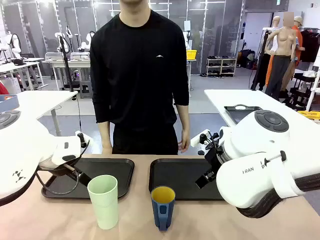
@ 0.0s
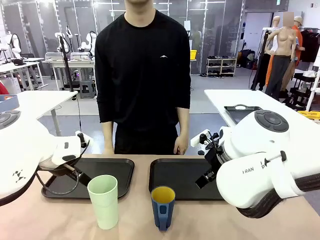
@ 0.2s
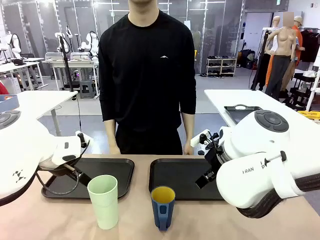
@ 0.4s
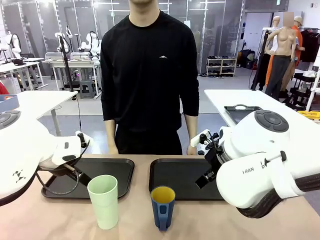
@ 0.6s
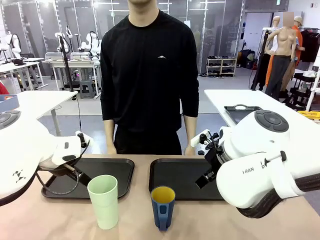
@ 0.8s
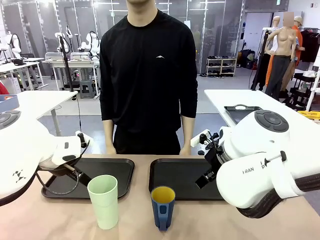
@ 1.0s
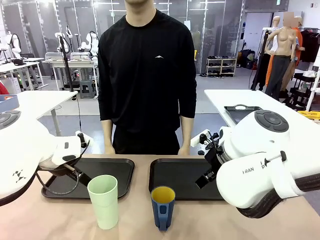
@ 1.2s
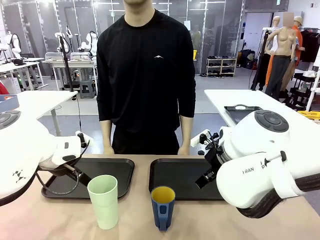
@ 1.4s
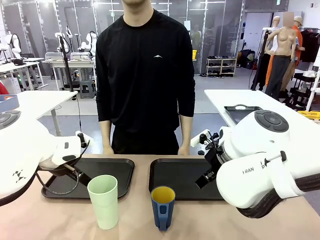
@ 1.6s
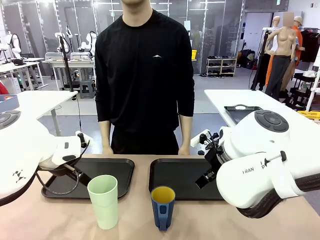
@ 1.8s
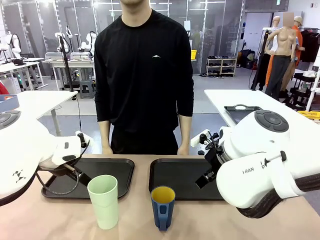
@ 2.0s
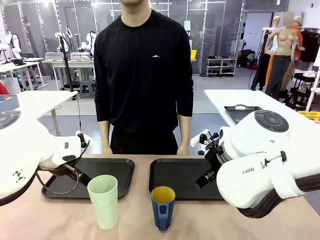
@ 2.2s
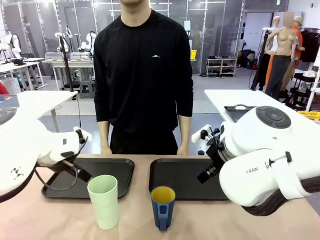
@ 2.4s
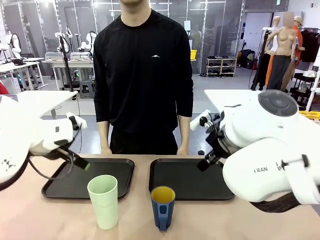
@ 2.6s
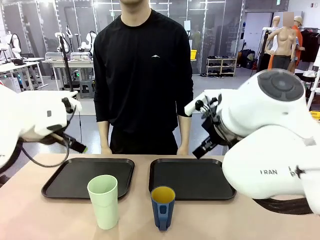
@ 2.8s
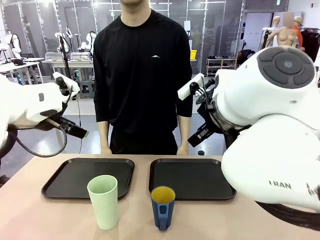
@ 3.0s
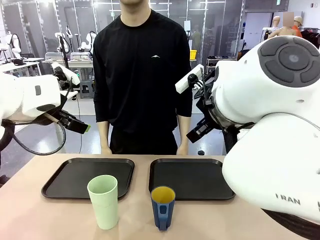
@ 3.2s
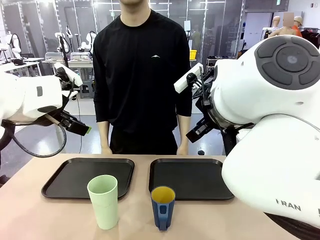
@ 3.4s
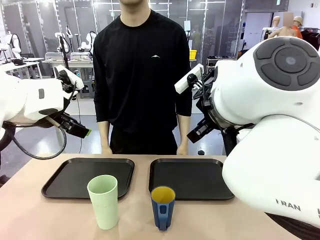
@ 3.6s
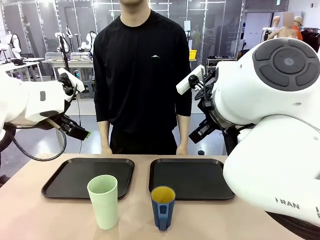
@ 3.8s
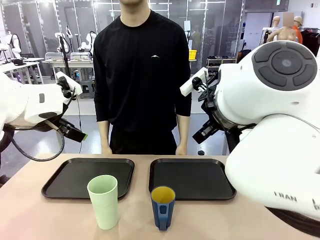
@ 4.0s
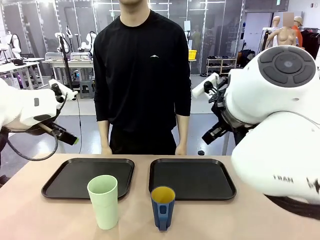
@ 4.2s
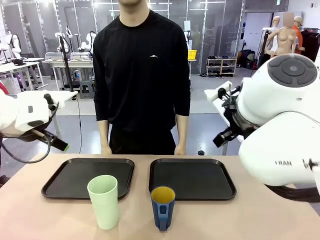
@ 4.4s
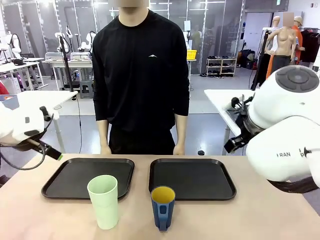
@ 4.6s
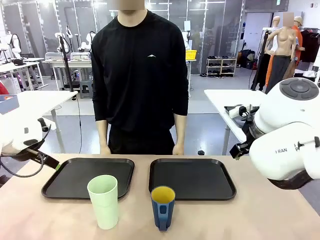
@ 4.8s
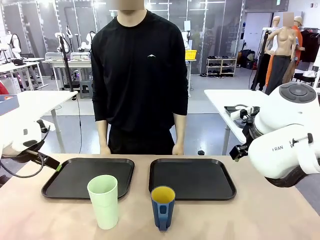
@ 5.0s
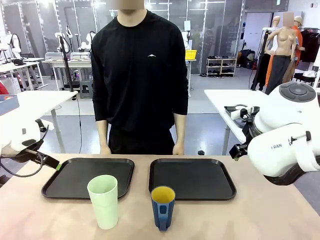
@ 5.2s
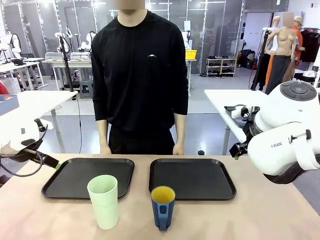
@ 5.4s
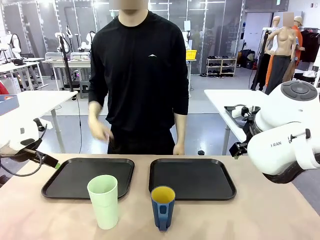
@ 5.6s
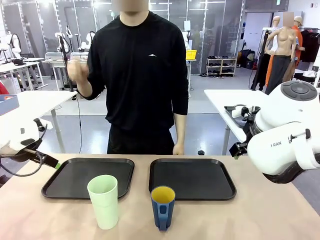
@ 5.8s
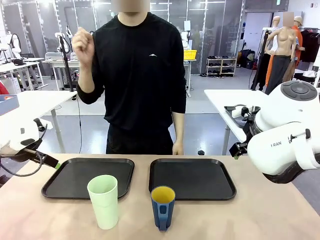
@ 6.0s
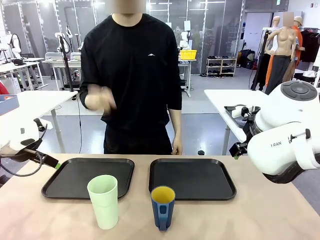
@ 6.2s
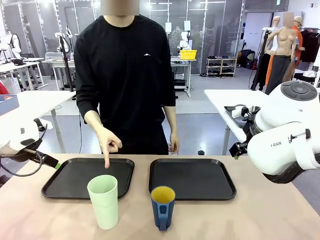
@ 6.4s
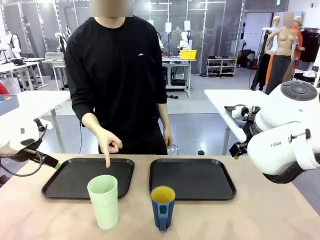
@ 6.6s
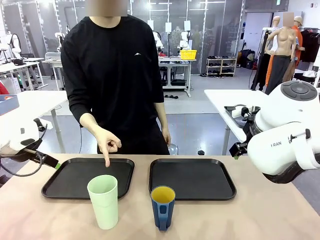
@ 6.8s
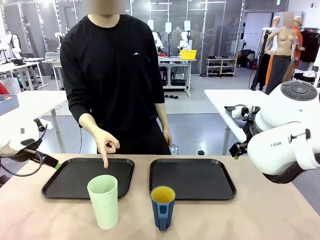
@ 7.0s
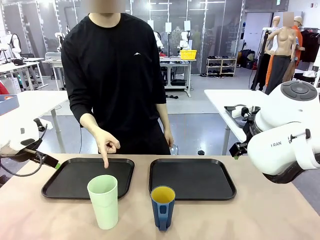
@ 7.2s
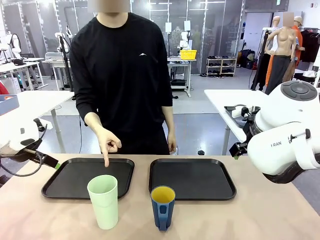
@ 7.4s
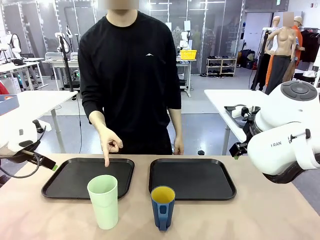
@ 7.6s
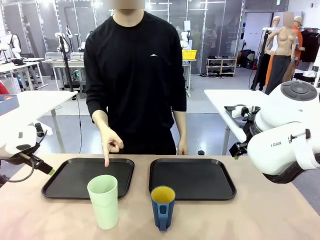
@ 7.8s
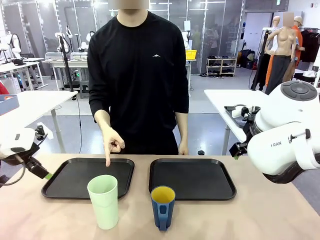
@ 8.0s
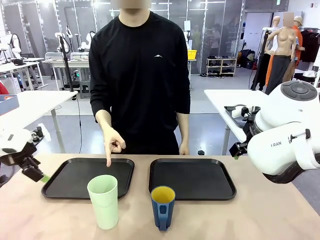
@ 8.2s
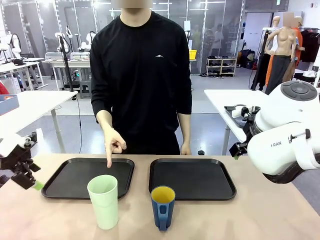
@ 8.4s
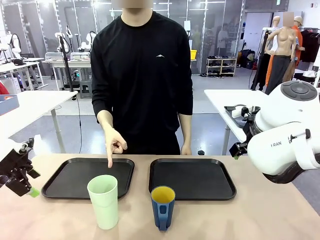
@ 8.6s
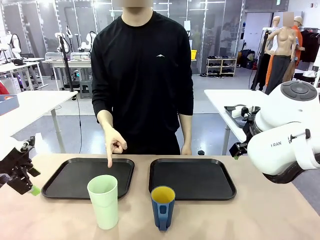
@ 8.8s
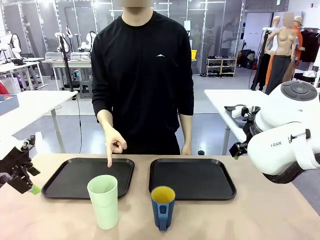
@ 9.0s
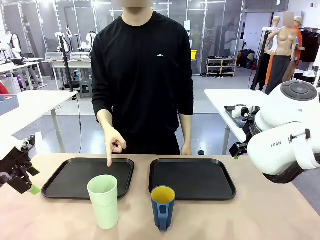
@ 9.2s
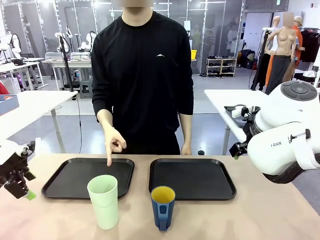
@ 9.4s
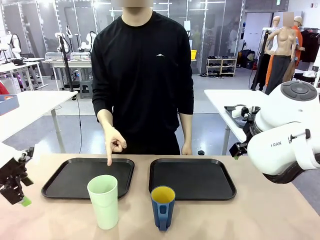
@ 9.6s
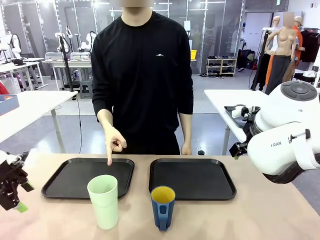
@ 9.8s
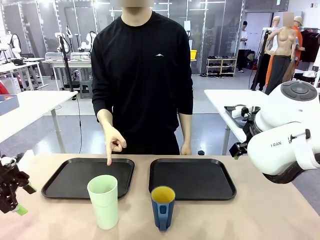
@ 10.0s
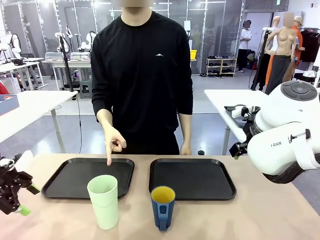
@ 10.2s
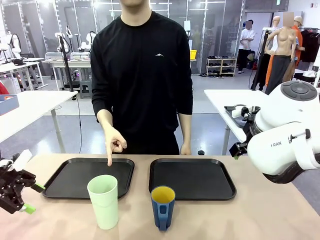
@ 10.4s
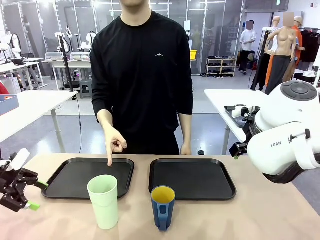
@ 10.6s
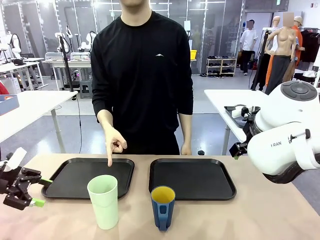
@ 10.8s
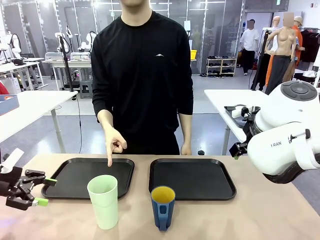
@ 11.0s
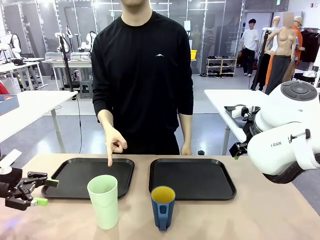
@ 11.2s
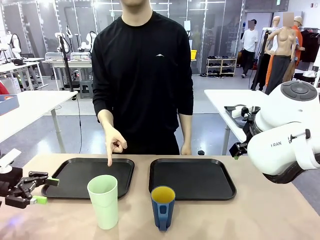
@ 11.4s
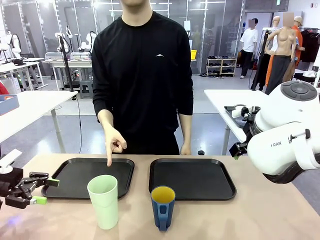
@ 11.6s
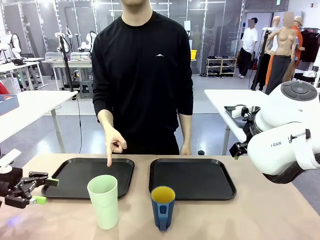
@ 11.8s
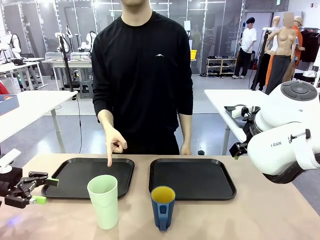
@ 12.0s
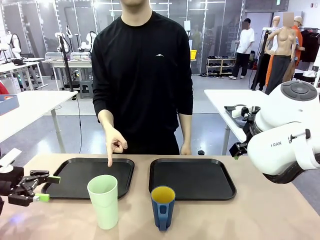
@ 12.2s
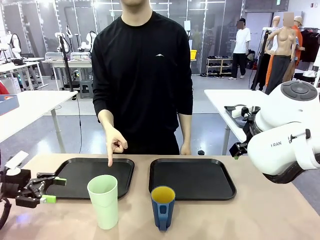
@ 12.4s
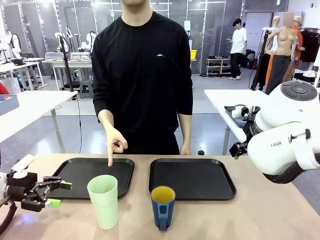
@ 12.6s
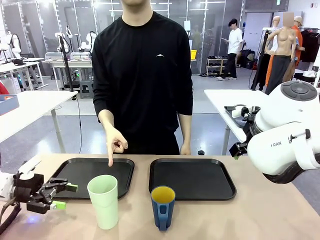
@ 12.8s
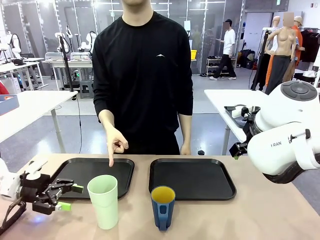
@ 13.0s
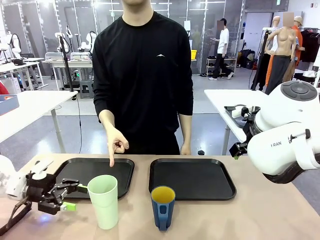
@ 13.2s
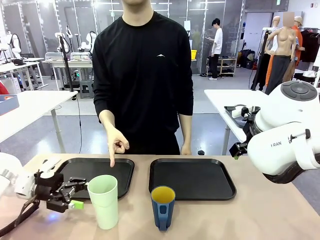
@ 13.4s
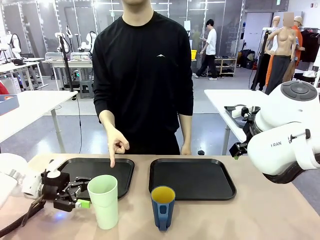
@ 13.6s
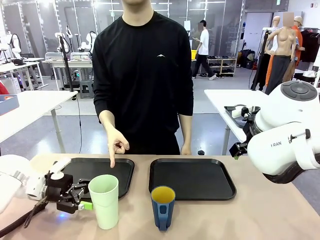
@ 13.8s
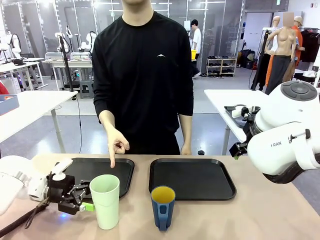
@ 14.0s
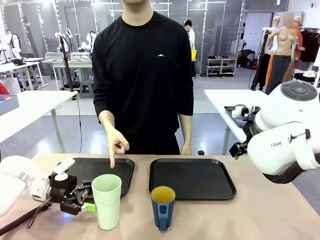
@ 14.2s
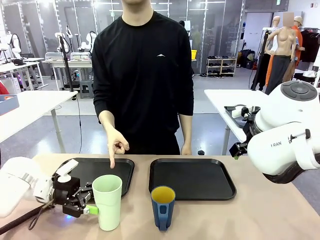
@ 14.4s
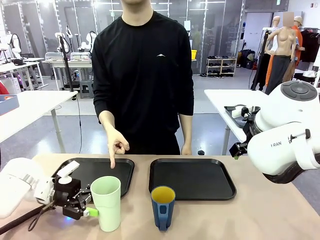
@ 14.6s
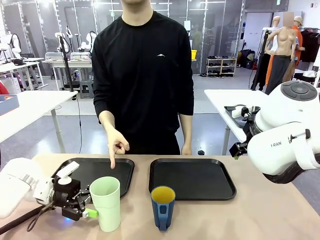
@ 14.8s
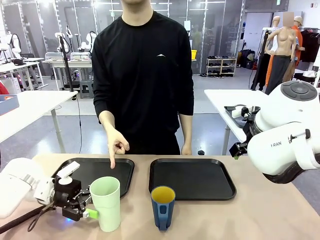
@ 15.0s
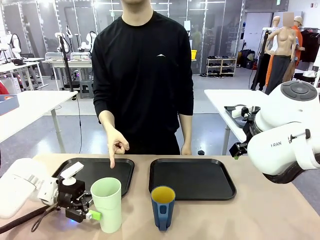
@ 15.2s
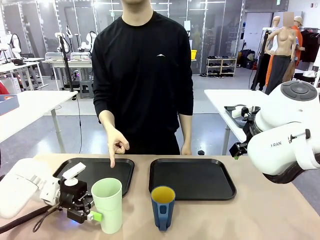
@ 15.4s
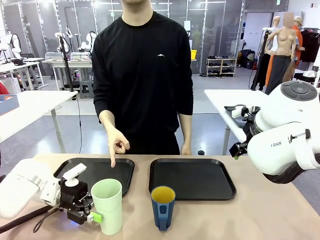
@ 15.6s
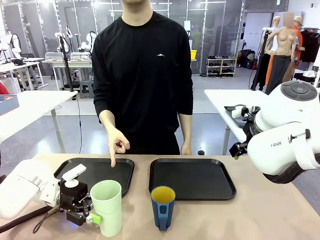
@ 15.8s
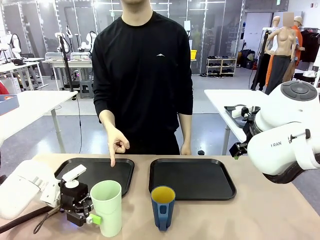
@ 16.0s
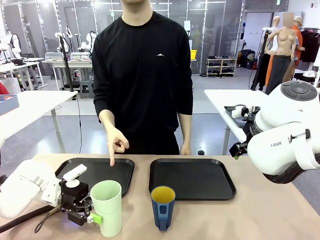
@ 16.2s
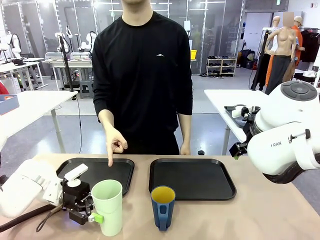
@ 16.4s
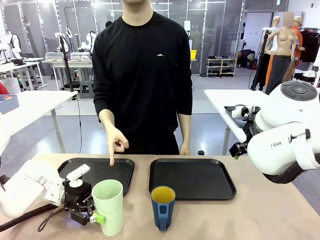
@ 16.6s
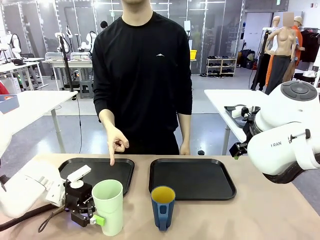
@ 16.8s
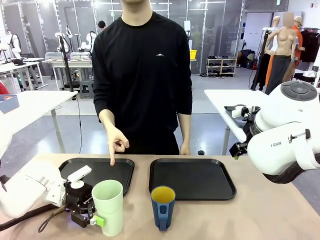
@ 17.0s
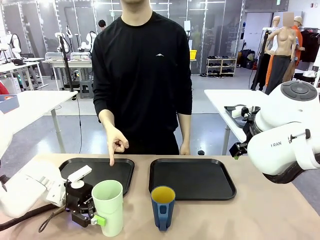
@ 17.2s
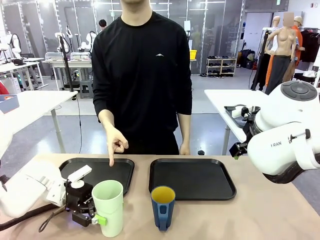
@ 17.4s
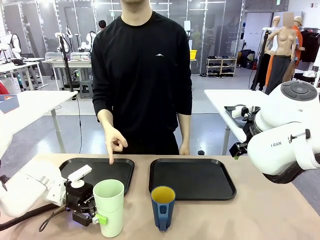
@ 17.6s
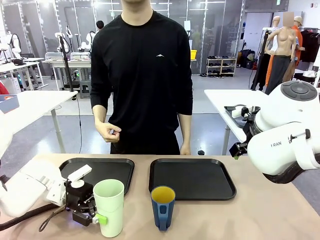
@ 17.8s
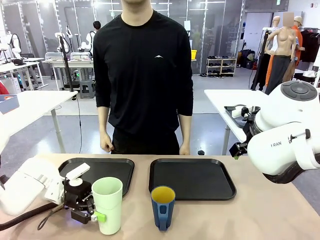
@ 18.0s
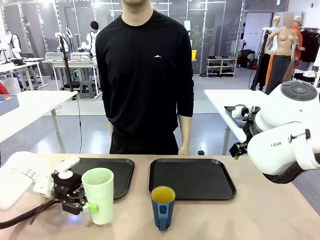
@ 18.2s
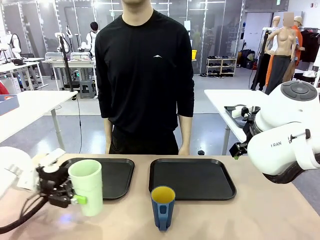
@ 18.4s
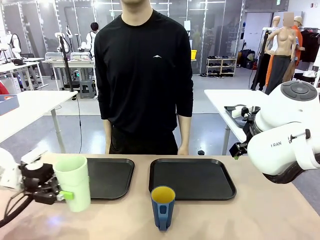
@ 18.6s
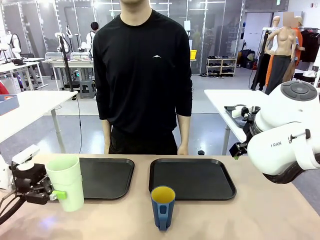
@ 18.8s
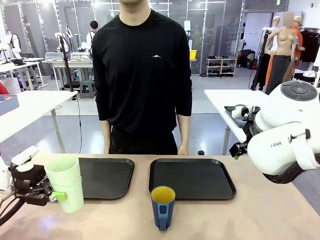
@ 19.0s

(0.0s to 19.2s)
Task: Sort and store the cups by type.
Robot: Pick up the Reusable plastic cup.
Person: Points to the reusable cup. Point to one of the two trays.
